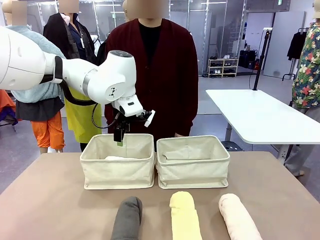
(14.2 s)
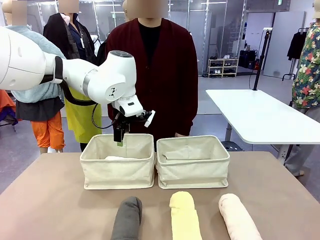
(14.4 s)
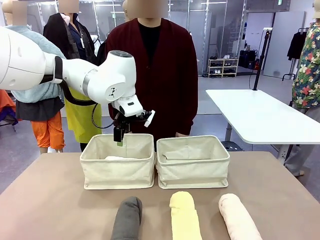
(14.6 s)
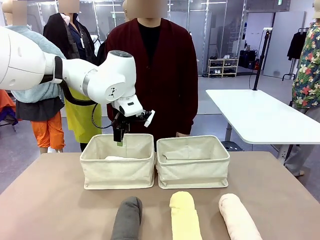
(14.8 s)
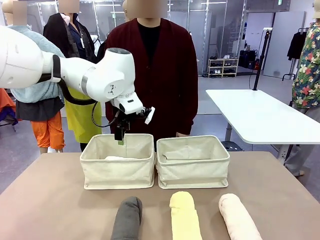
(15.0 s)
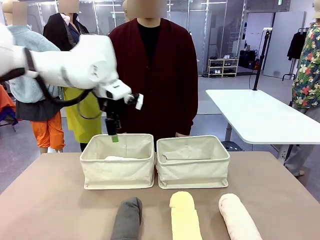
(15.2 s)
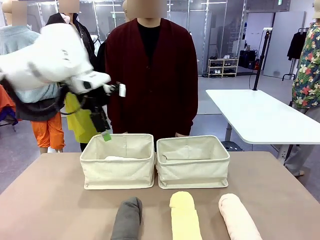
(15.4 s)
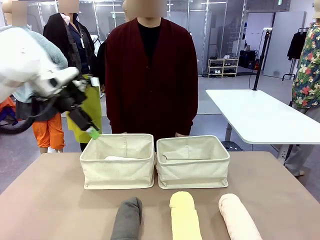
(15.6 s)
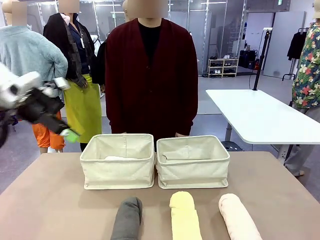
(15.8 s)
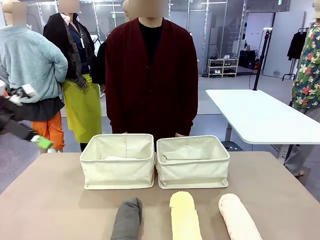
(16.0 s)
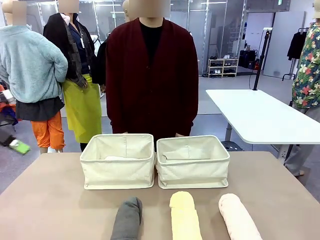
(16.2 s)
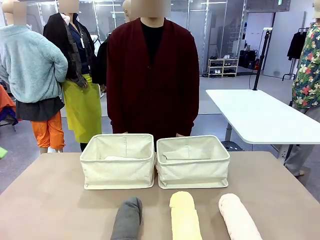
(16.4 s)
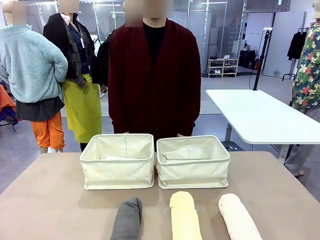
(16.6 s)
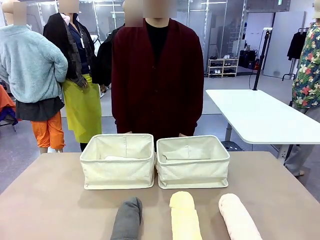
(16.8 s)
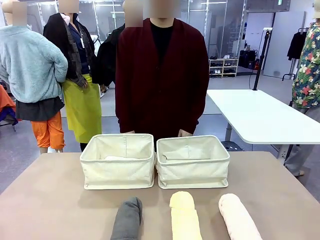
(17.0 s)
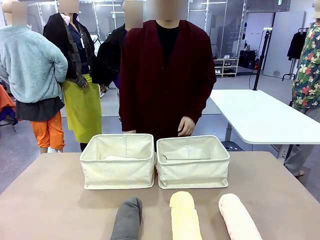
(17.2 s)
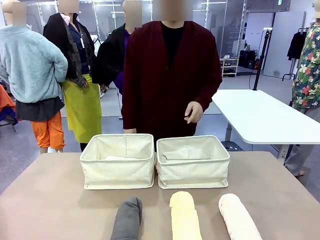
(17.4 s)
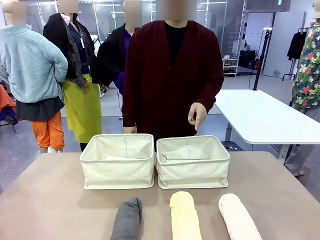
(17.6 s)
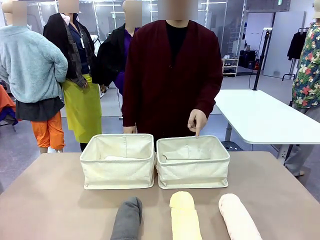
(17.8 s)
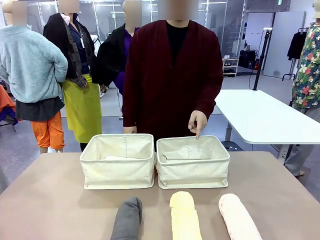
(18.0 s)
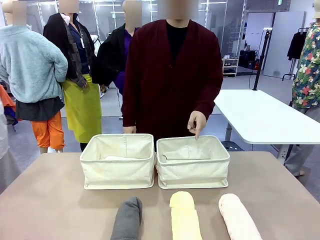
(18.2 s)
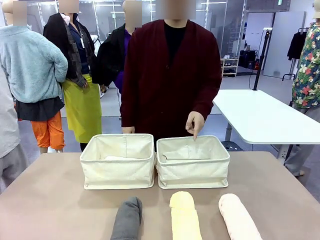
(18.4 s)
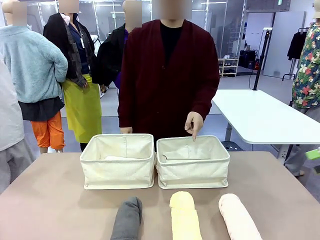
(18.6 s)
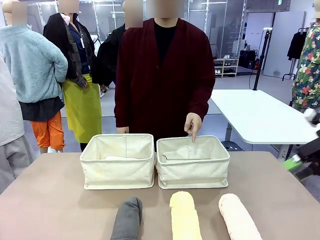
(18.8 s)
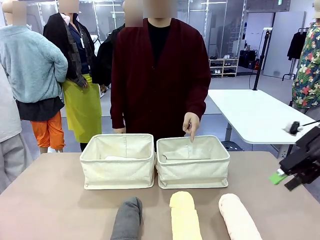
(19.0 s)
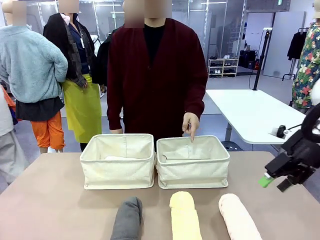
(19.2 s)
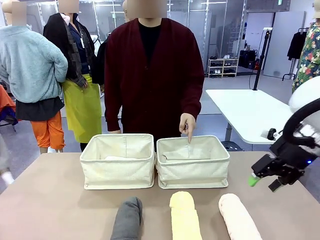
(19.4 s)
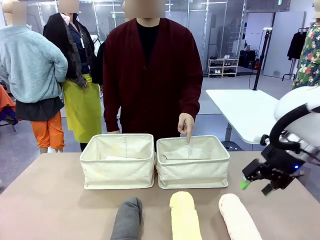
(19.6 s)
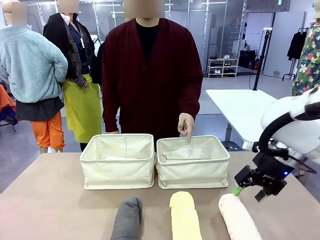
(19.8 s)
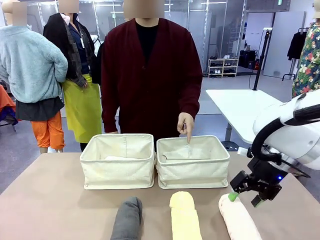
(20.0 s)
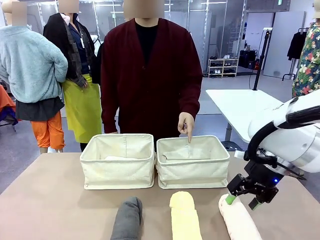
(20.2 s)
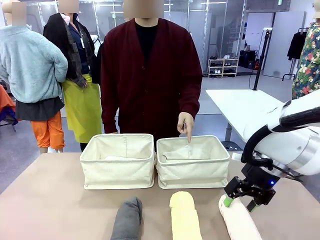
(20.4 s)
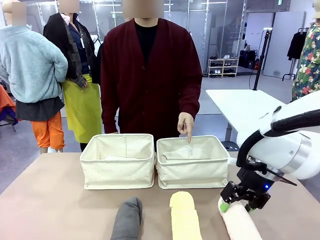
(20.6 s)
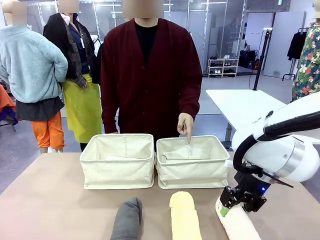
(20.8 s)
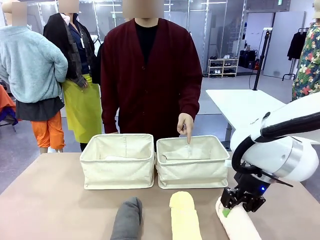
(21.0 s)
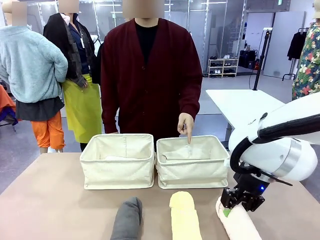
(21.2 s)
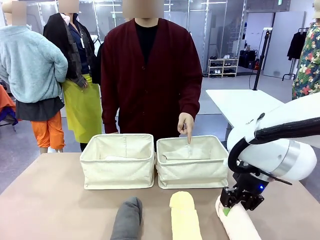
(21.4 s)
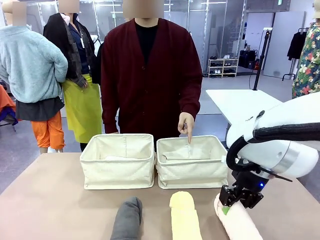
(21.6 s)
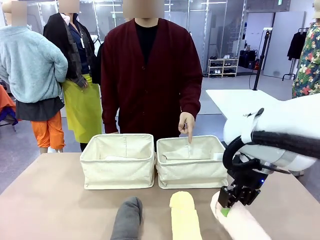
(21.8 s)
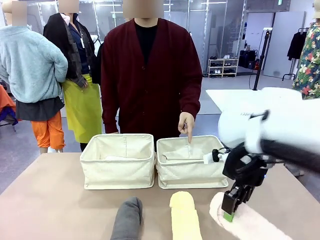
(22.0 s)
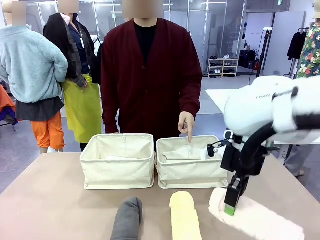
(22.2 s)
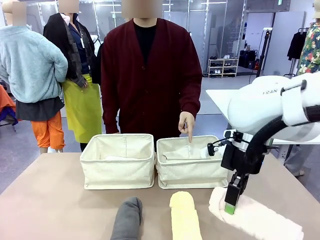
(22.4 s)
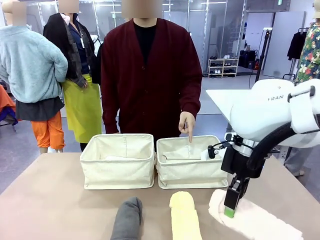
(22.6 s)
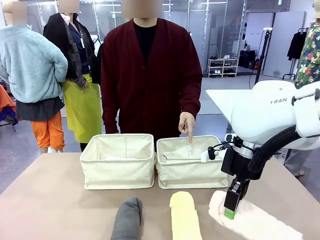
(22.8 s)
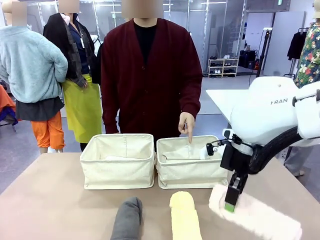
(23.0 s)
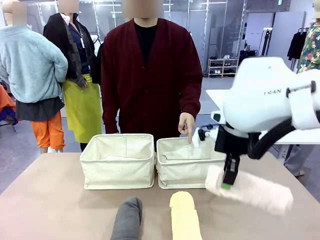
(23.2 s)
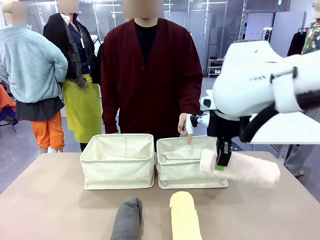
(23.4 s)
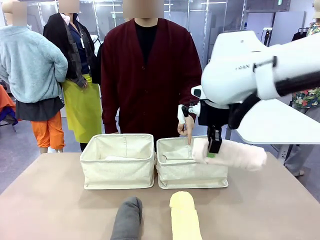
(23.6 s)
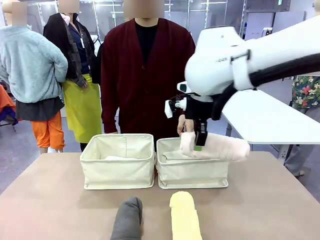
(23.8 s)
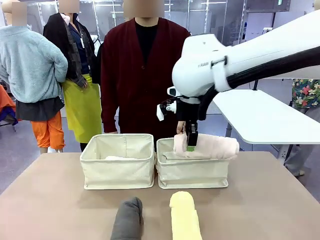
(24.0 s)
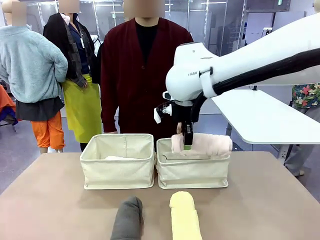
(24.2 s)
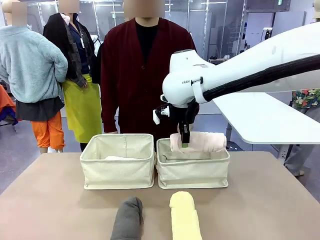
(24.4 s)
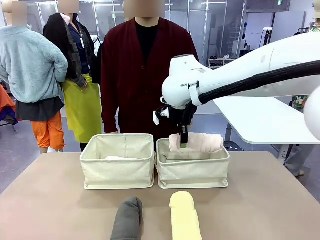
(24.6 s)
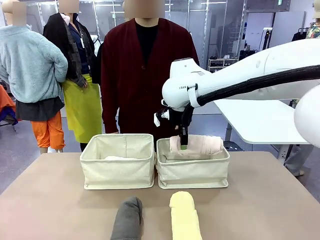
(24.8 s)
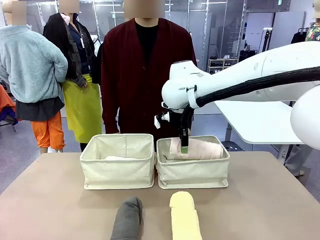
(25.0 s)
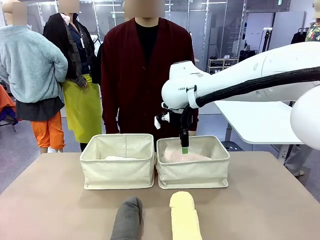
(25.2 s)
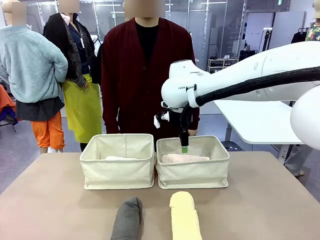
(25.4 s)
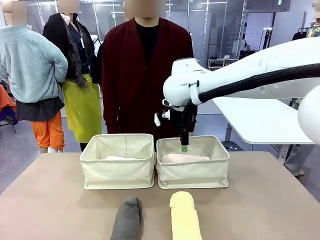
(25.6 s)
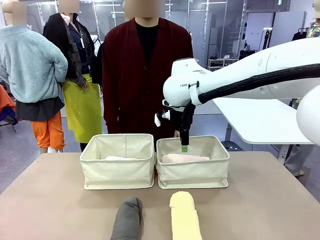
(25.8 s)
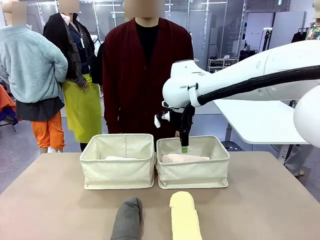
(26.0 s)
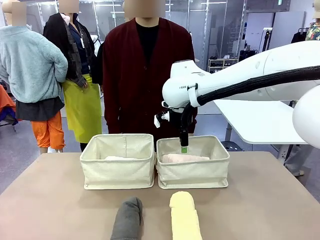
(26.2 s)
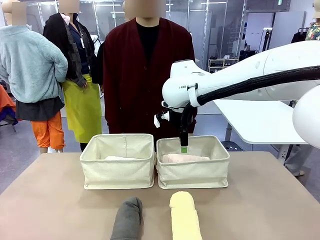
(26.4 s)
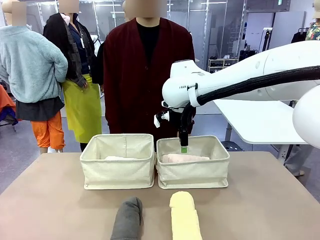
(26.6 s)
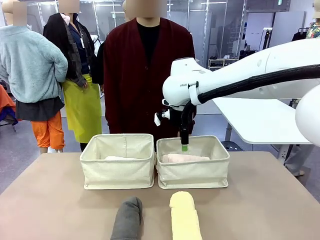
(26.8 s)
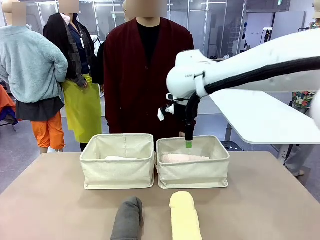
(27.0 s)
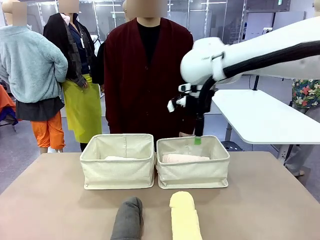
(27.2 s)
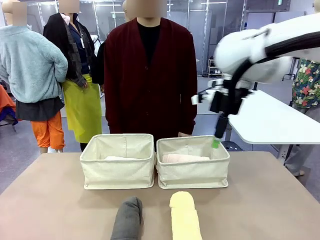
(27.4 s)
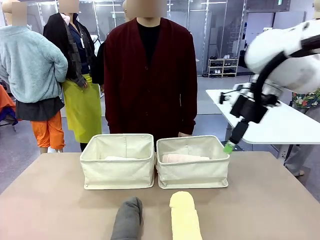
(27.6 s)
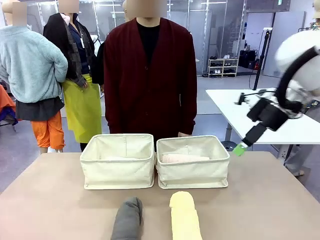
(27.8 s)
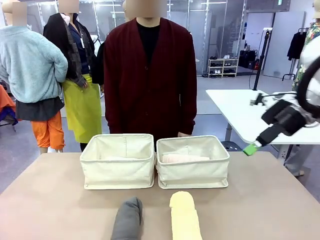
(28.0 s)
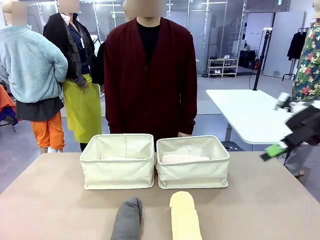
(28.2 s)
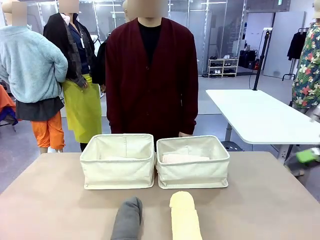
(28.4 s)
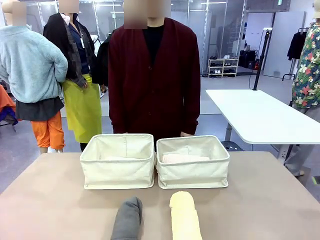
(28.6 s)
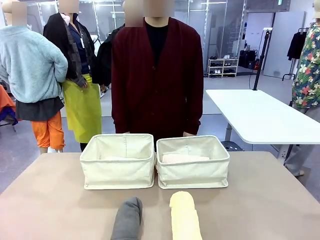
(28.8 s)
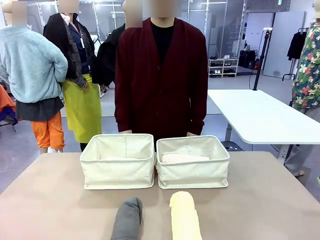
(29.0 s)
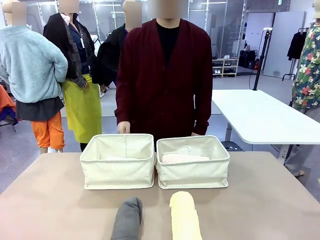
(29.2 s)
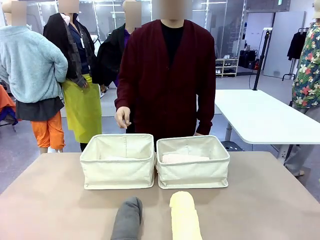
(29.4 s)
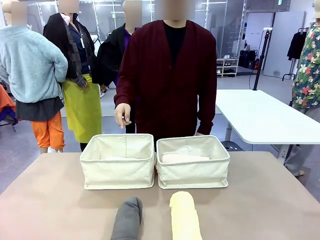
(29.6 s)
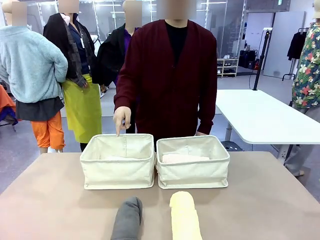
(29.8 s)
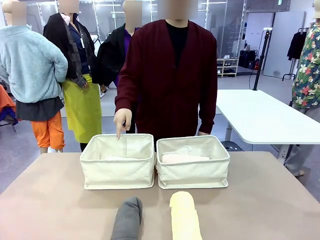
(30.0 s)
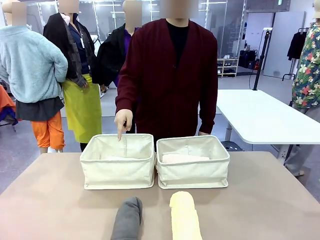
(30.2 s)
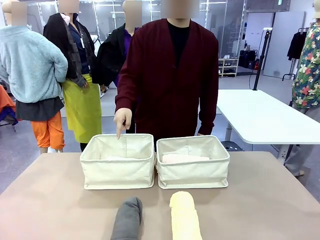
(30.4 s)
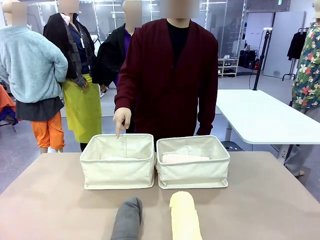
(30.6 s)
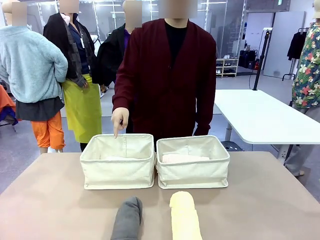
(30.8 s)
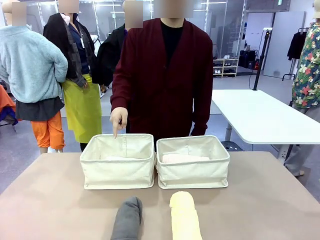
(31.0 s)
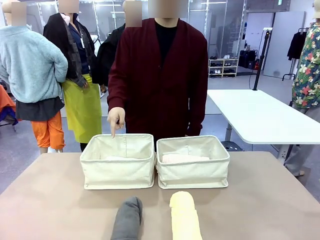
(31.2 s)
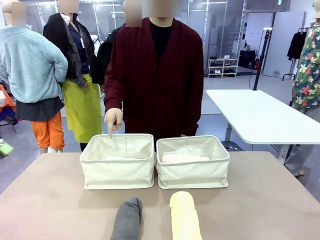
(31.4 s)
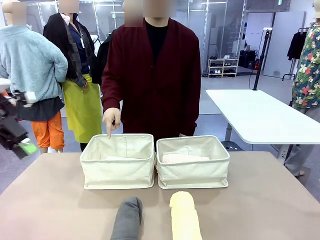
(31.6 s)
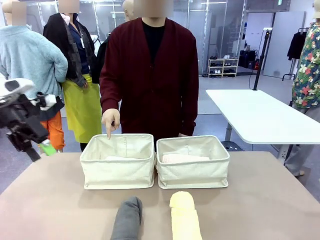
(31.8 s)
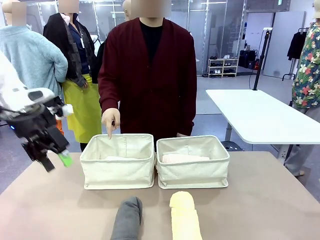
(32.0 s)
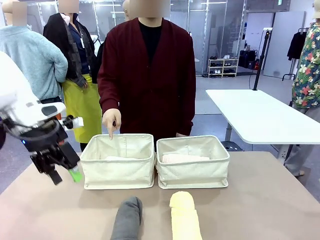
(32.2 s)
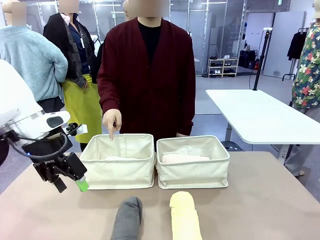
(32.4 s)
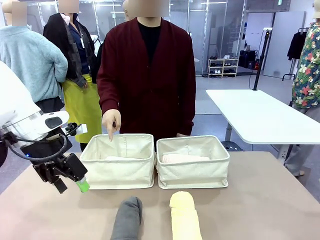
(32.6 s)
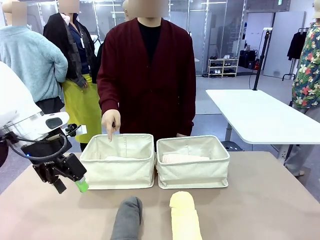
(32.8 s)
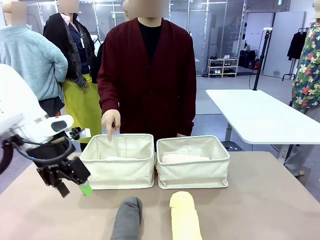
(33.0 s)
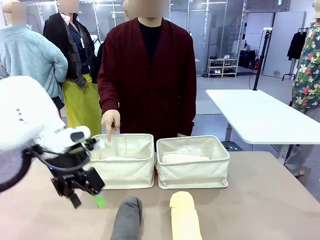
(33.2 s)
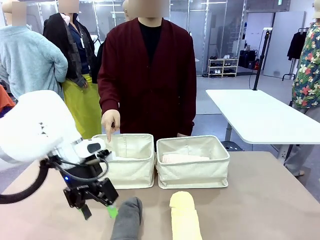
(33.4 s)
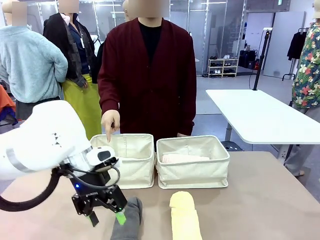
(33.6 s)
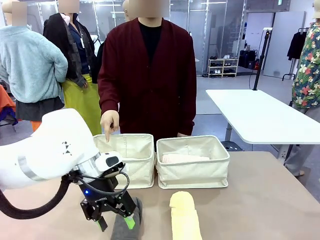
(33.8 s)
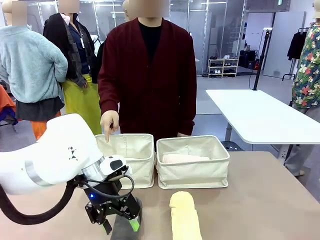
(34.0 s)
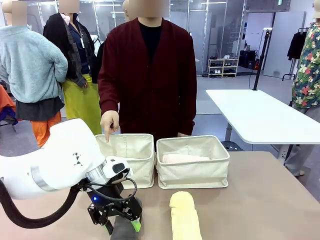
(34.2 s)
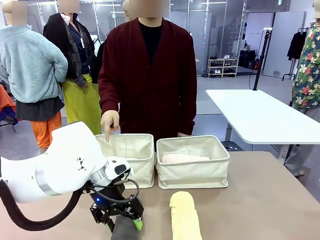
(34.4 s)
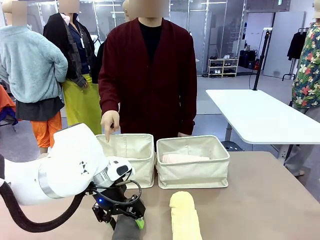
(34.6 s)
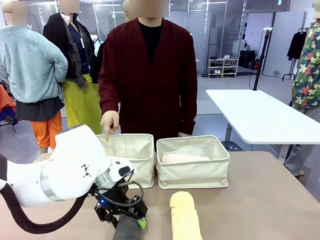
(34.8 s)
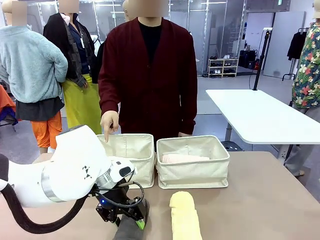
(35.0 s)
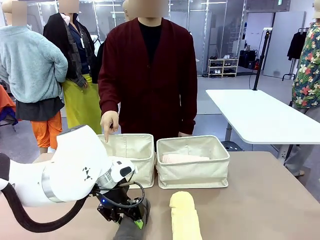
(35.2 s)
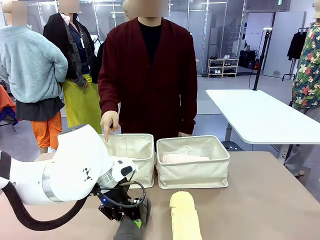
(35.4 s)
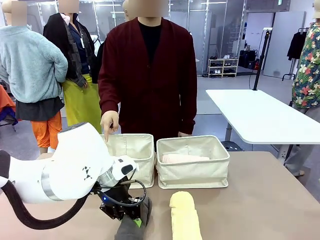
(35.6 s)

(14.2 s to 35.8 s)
Task: Divide the towels into two baskets.
Robot: Pick up one hotel-folded towel from the bottom of the table and place it in the Fabric basket indicated by the person.
